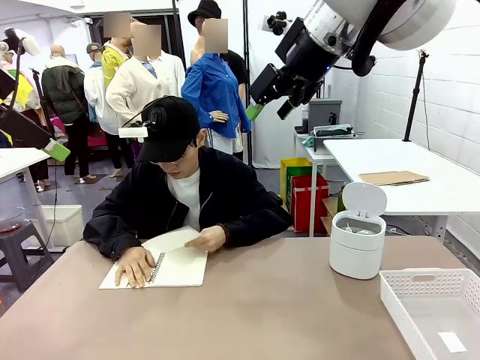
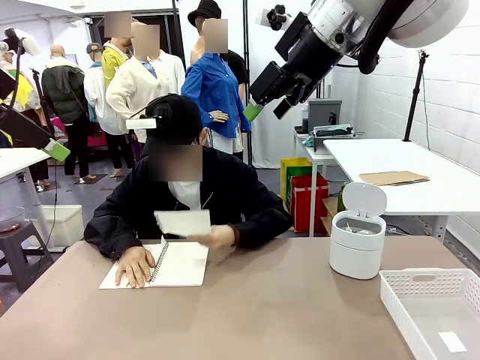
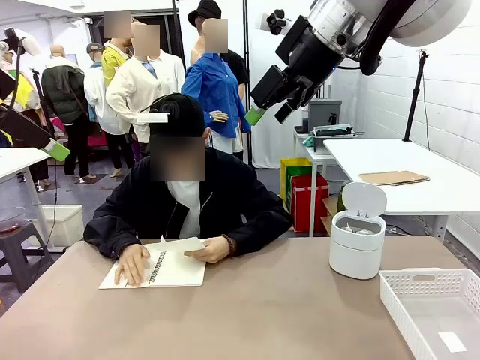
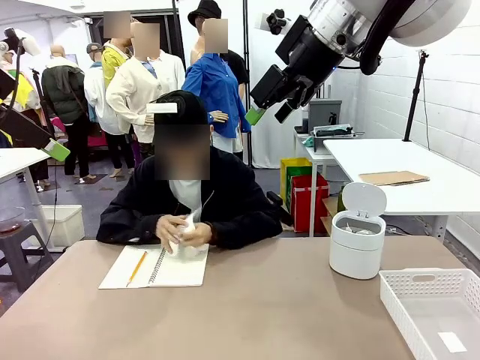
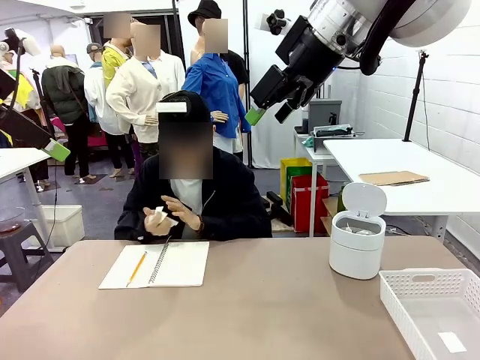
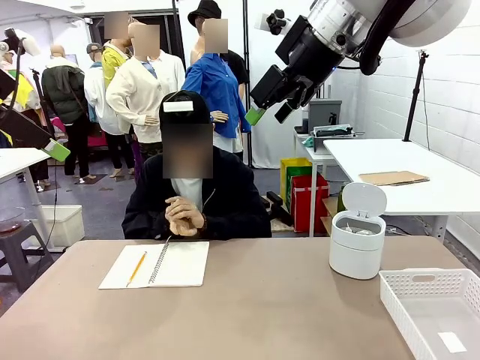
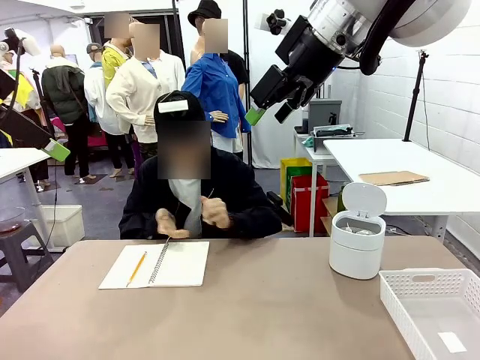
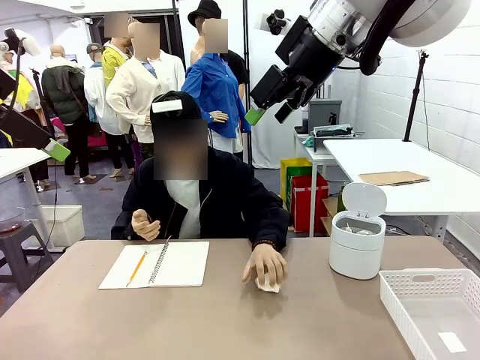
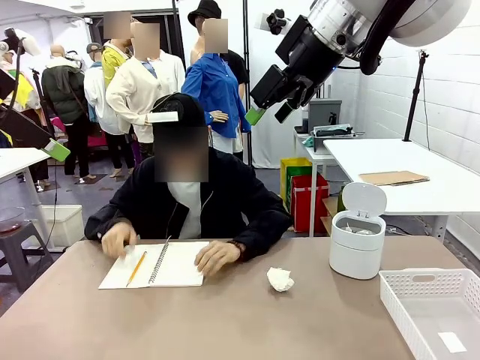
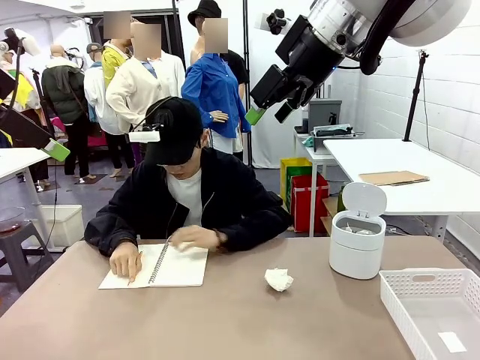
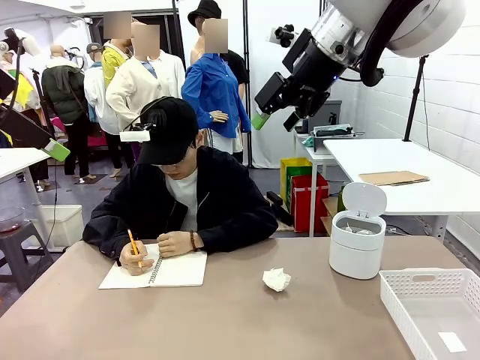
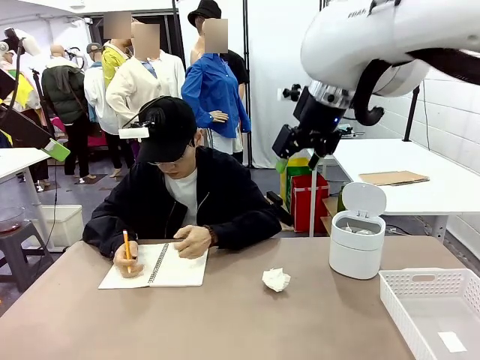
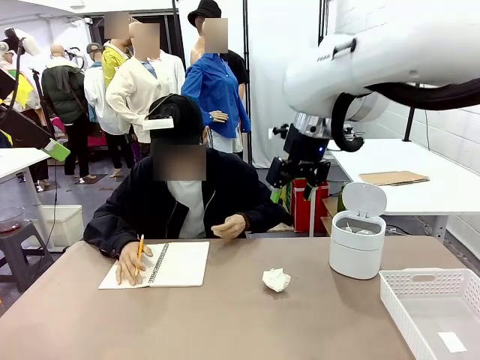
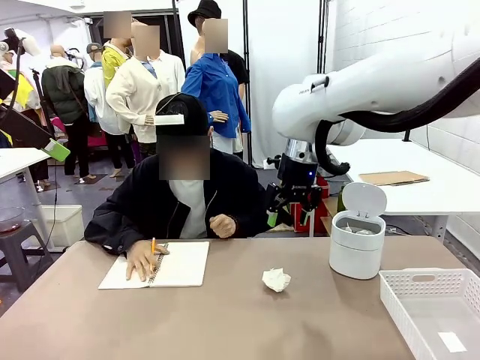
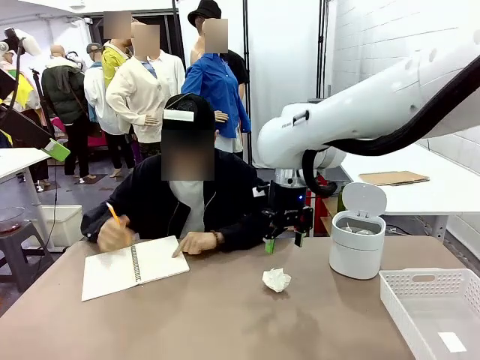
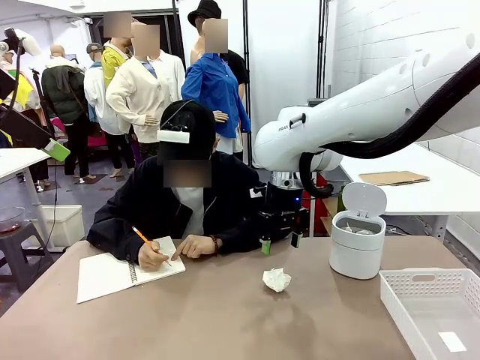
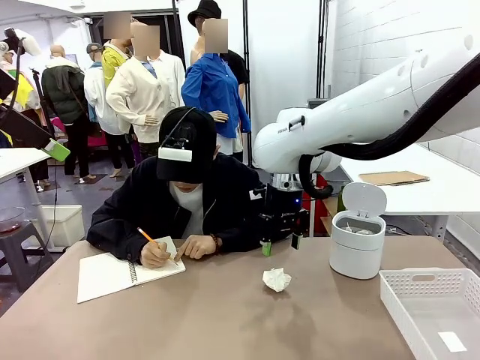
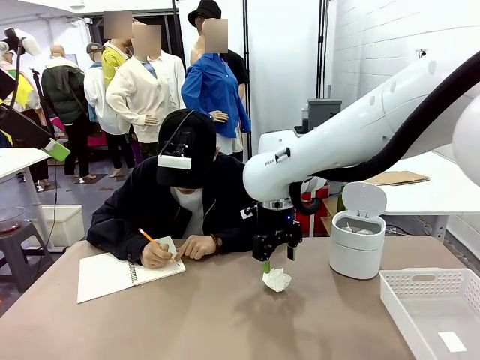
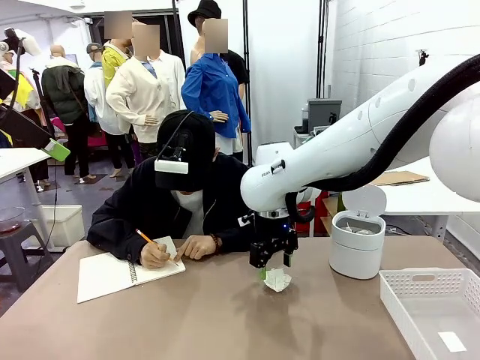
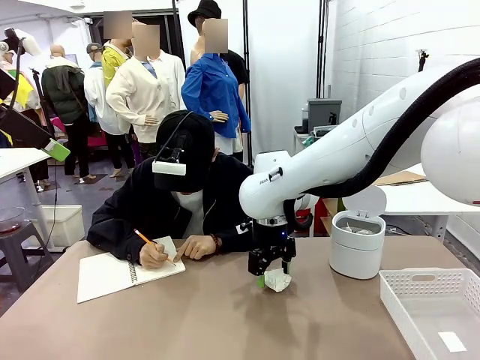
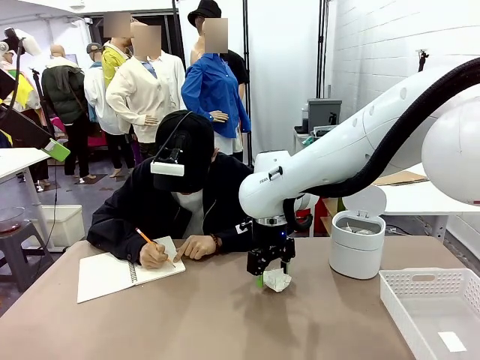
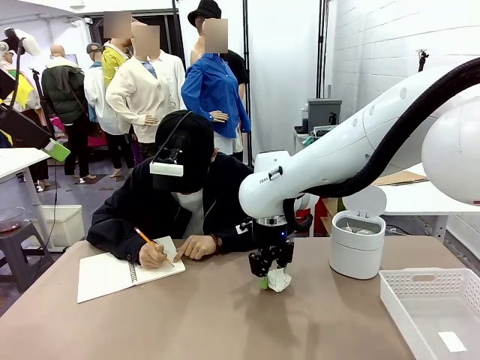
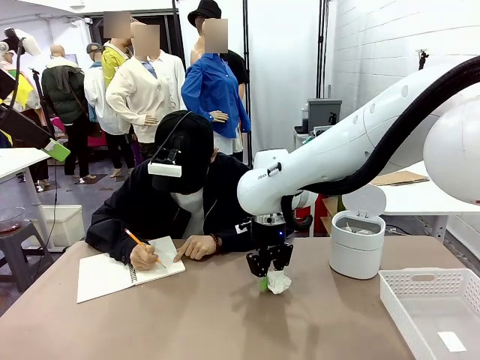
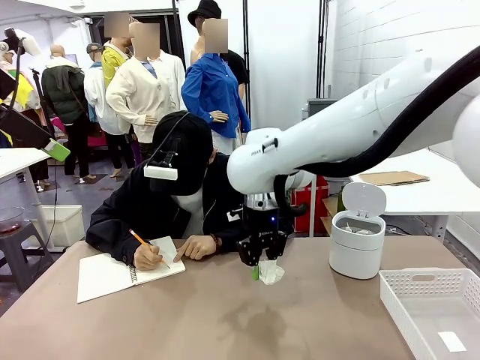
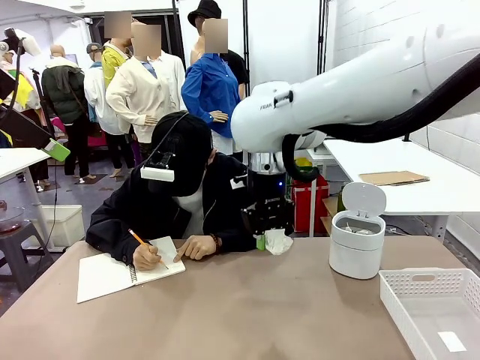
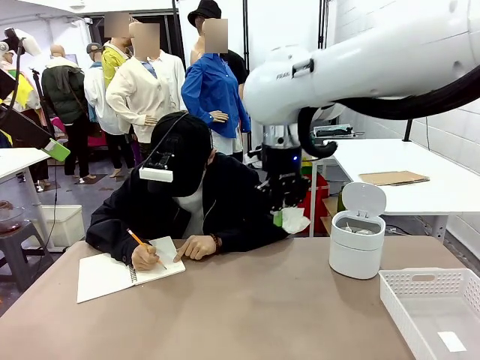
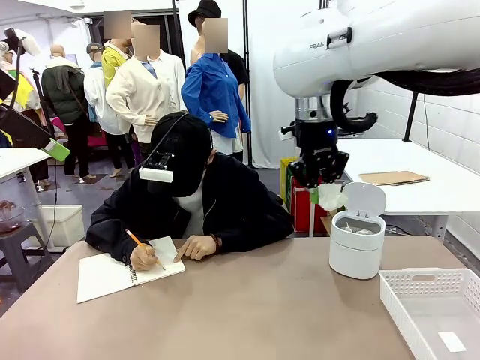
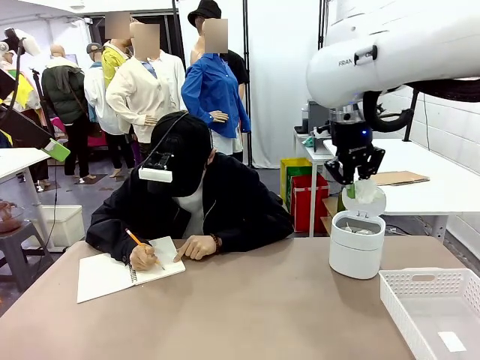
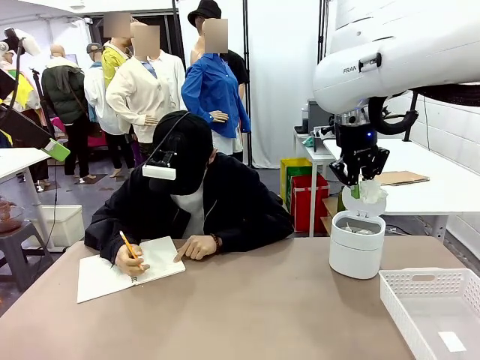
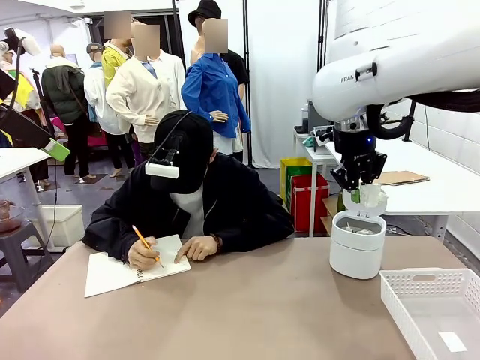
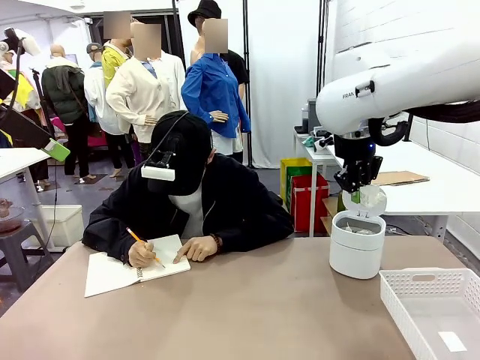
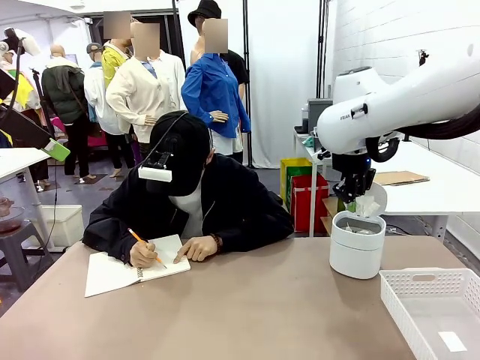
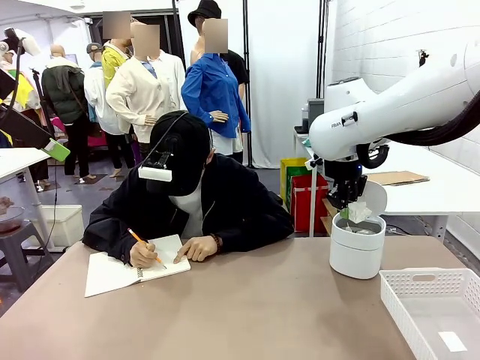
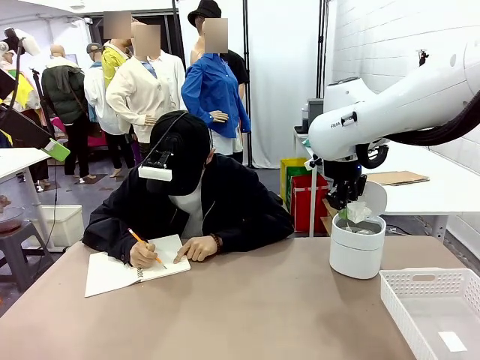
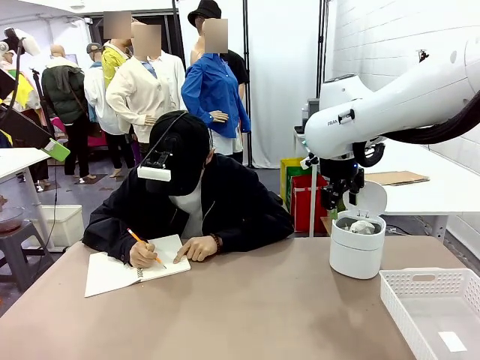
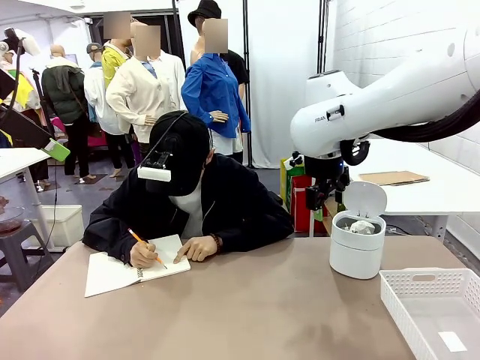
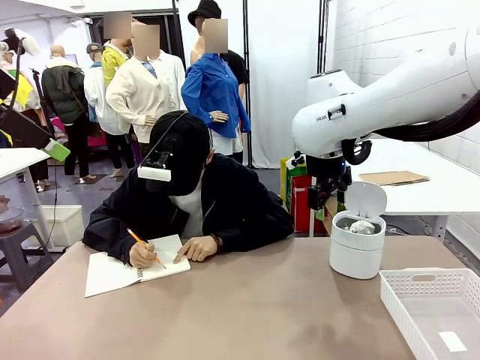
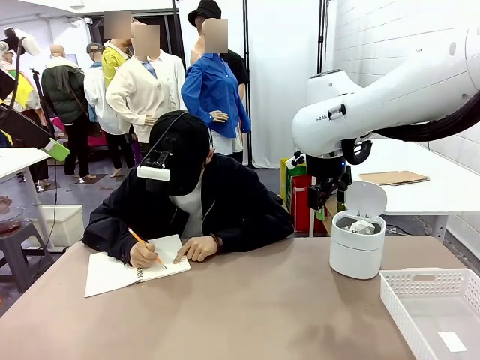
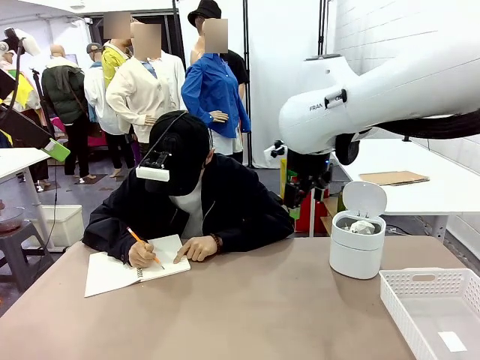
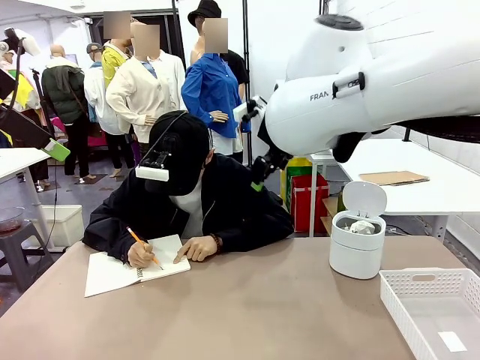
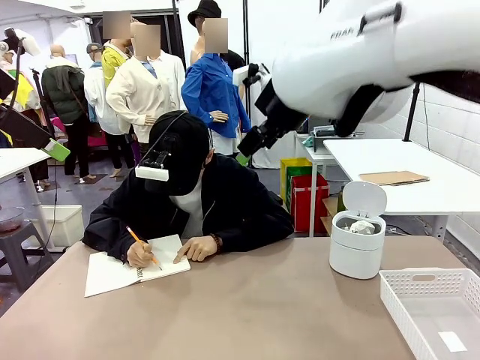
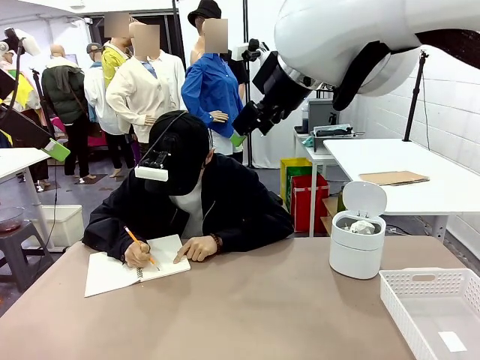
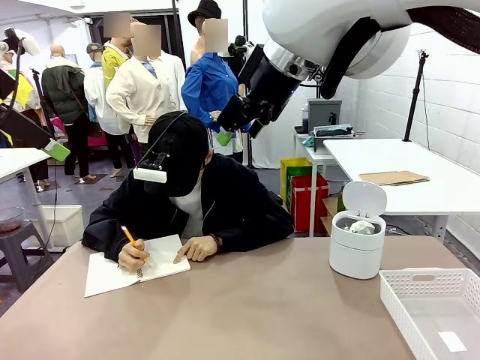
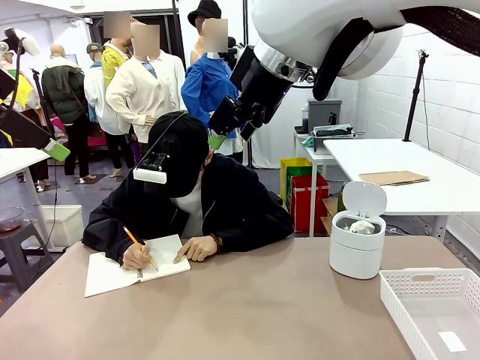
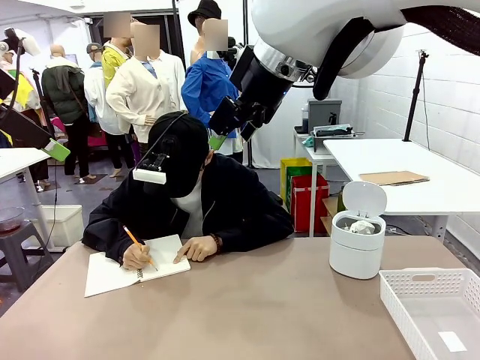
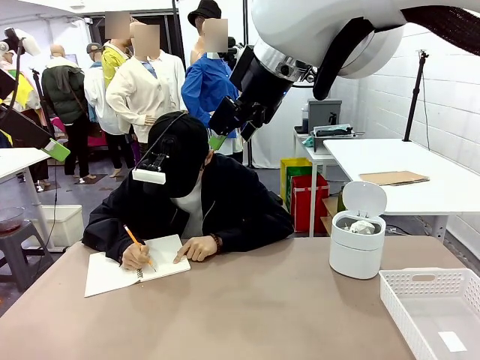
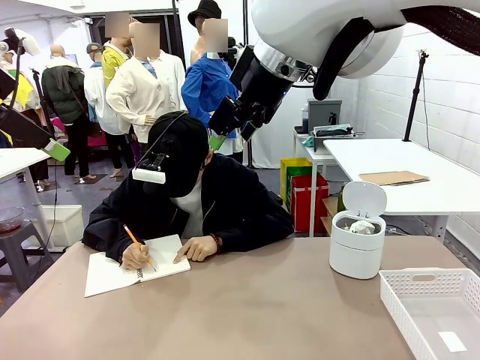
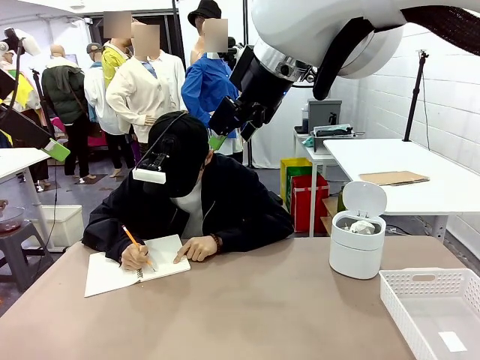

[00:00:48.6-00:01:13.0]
Task: Sort the paper based on its condition.
Robot: If a person hands you a paper, place it in the Organizing basket , and if it's crumpled, put it in the Trash can.
Person: Hand the torn page to the robot or crumple it and throw it to the center of the table.

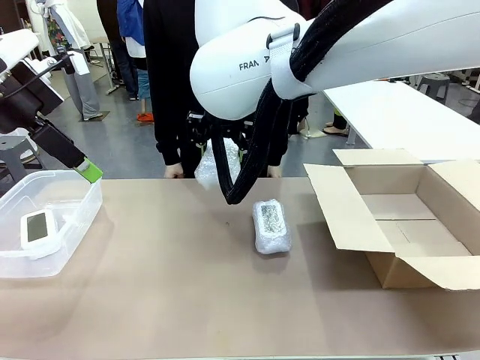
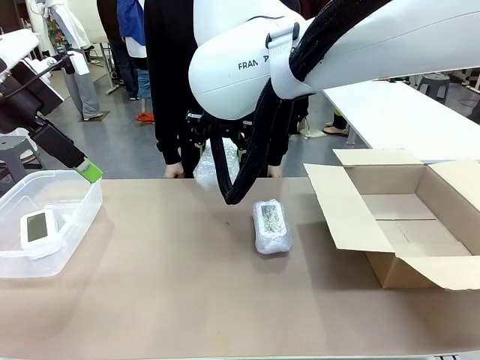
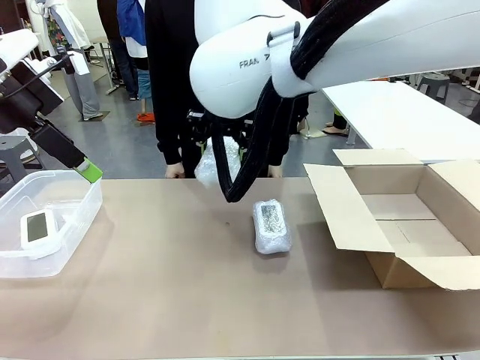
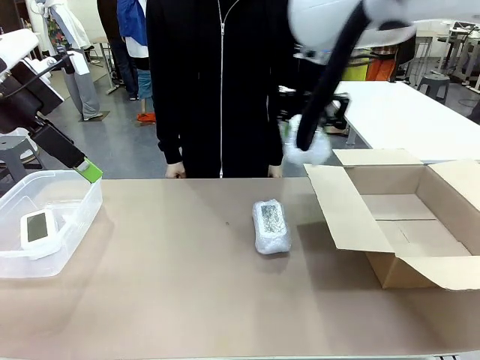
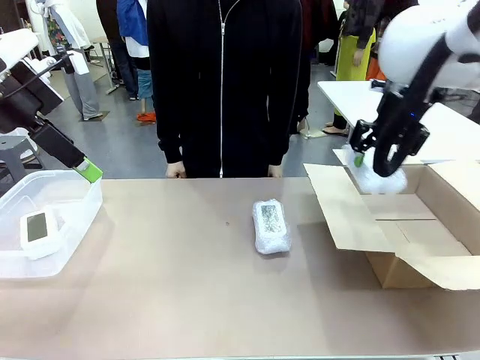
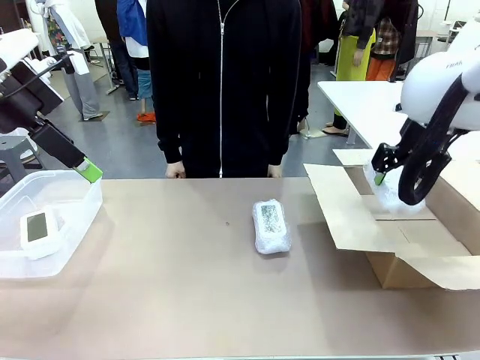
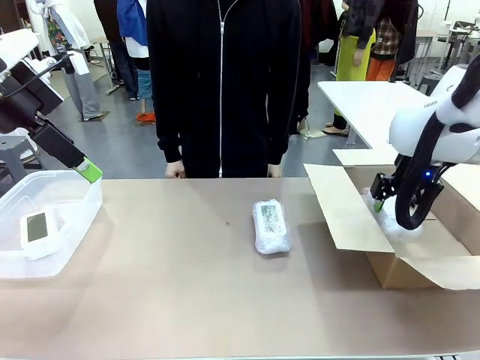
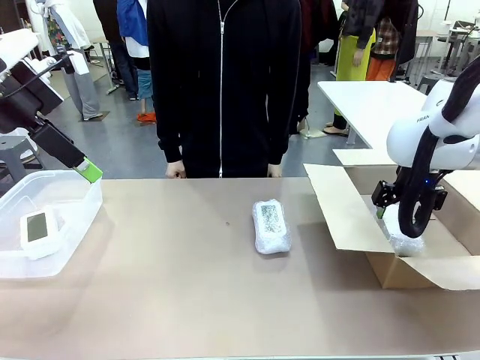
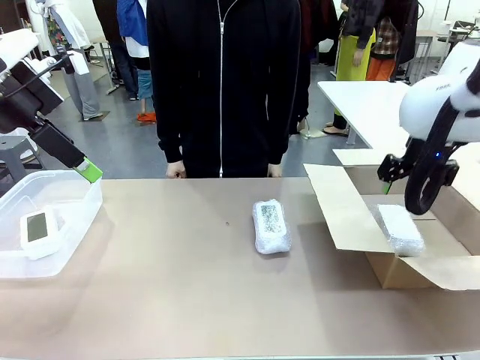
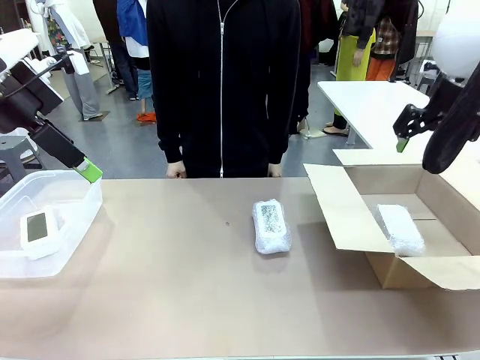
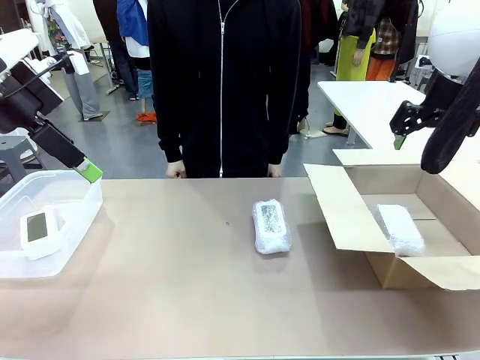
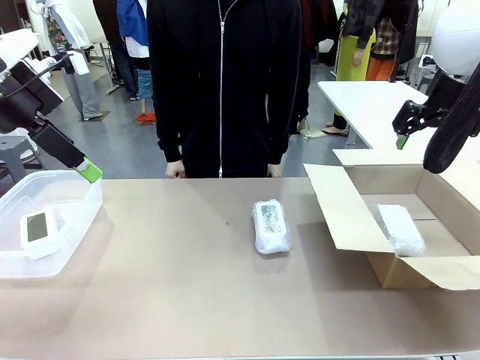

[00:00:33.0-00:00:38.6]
Task: Separate and place wrapped and unwrapped clocks.
Robot: If the picked Digital clock is wrapped, place it in the Package Box ; if not, place it in the Organizing box.
